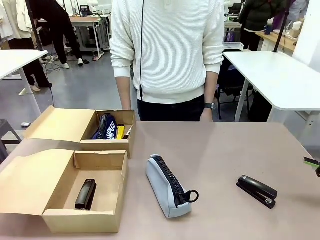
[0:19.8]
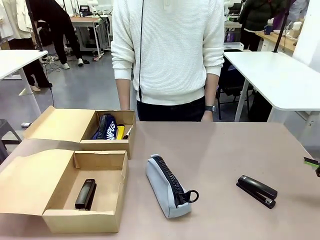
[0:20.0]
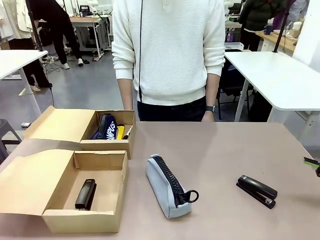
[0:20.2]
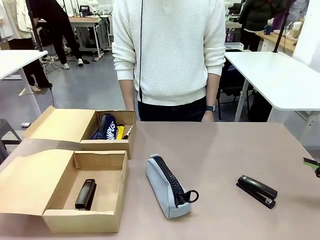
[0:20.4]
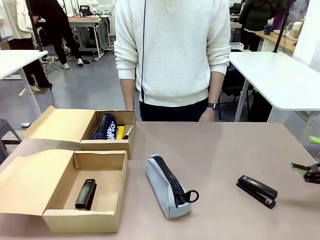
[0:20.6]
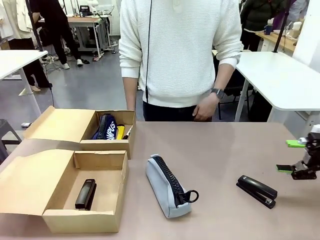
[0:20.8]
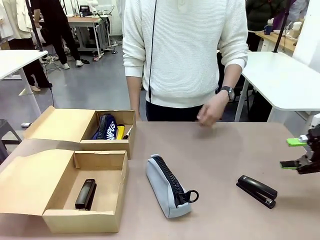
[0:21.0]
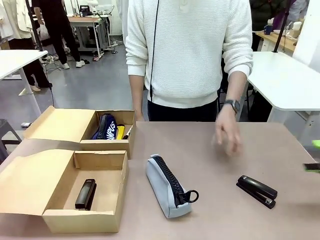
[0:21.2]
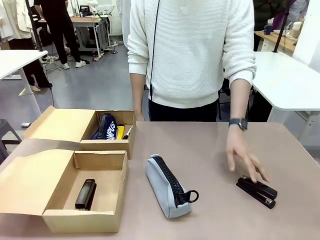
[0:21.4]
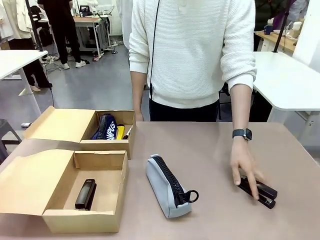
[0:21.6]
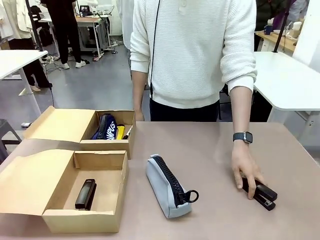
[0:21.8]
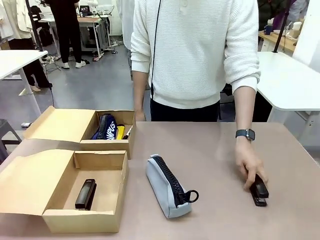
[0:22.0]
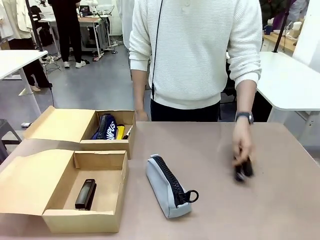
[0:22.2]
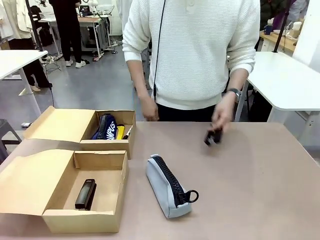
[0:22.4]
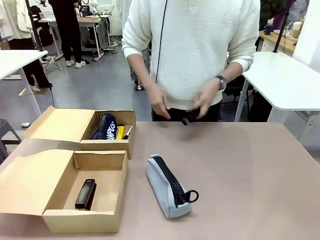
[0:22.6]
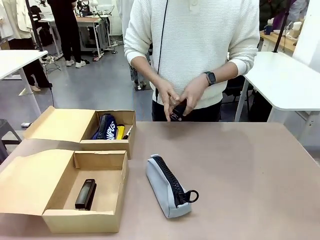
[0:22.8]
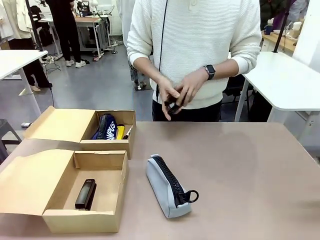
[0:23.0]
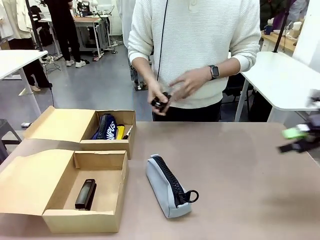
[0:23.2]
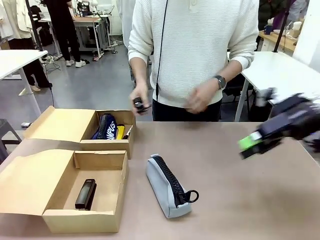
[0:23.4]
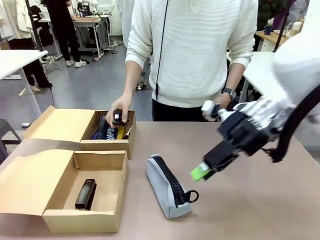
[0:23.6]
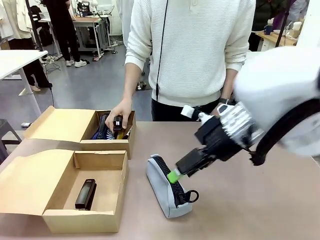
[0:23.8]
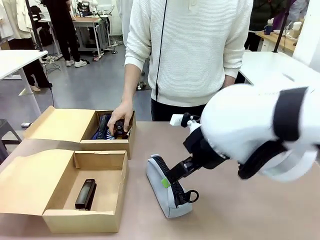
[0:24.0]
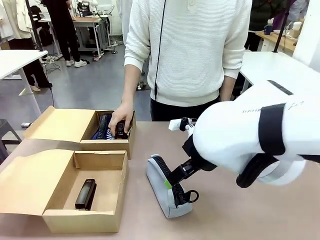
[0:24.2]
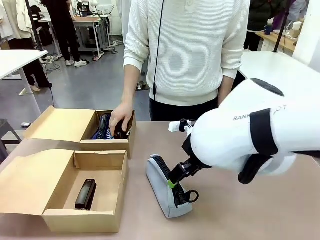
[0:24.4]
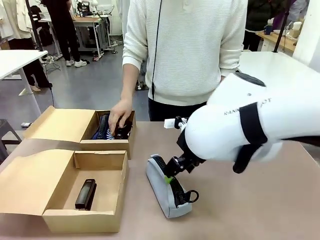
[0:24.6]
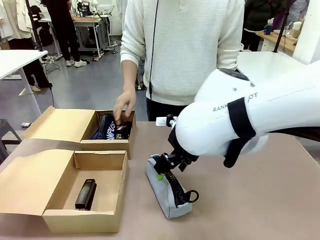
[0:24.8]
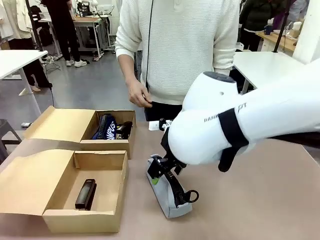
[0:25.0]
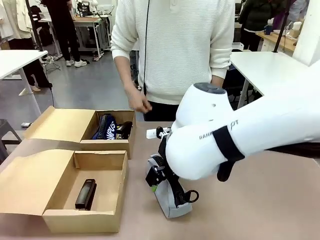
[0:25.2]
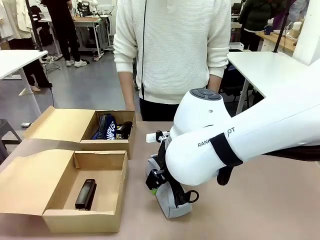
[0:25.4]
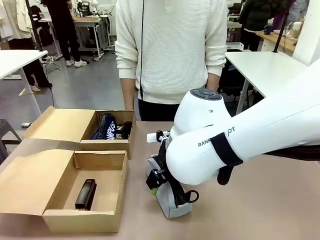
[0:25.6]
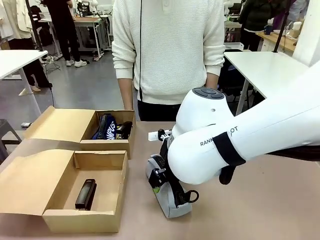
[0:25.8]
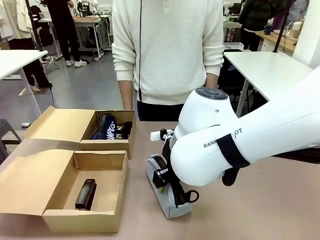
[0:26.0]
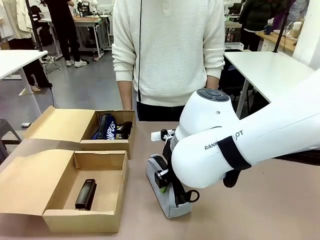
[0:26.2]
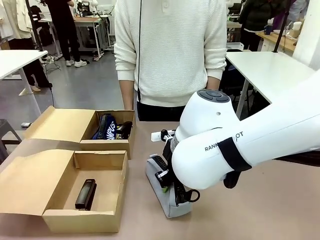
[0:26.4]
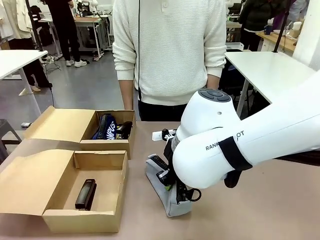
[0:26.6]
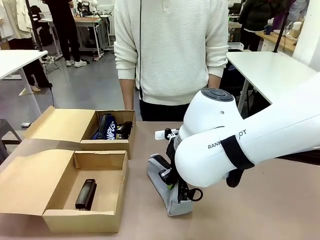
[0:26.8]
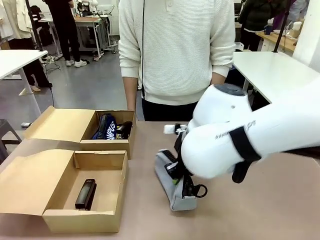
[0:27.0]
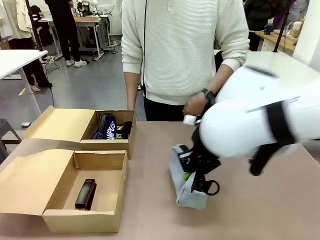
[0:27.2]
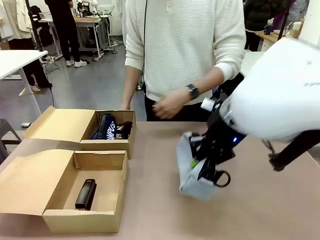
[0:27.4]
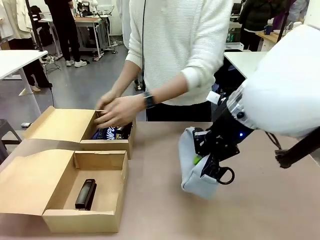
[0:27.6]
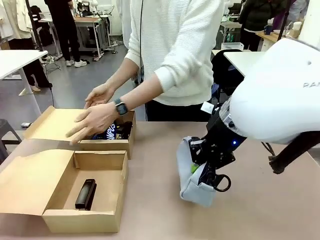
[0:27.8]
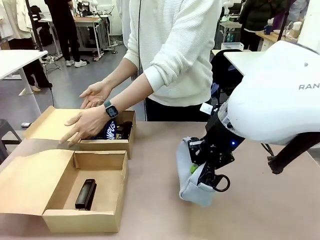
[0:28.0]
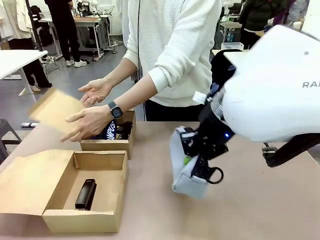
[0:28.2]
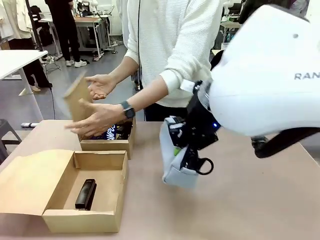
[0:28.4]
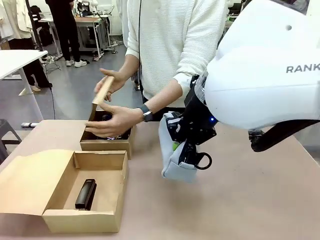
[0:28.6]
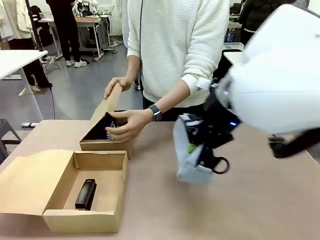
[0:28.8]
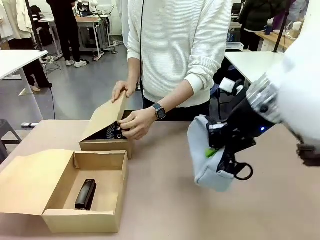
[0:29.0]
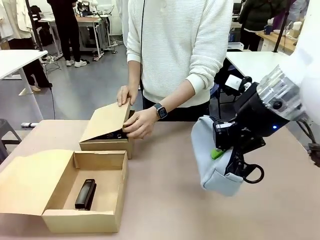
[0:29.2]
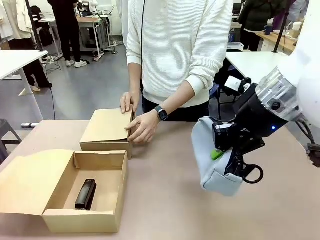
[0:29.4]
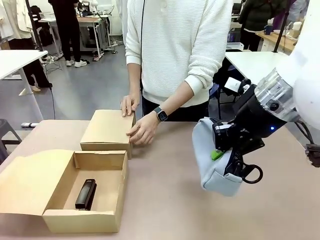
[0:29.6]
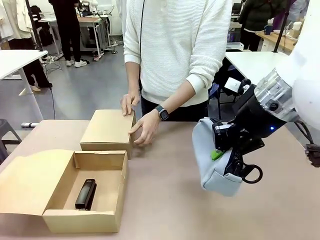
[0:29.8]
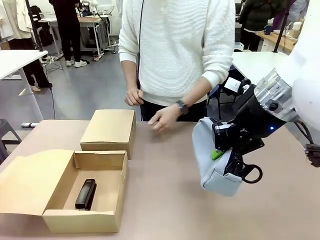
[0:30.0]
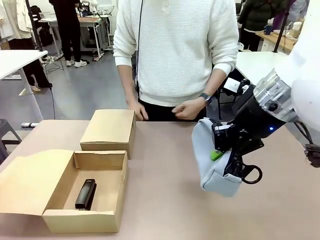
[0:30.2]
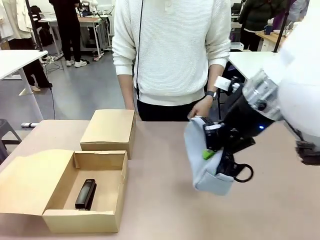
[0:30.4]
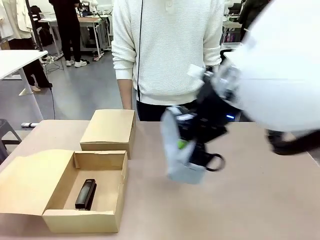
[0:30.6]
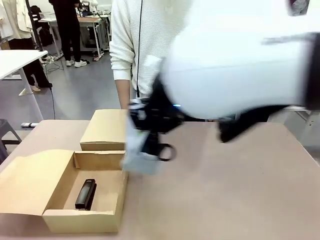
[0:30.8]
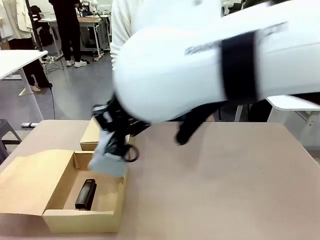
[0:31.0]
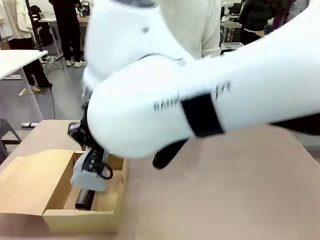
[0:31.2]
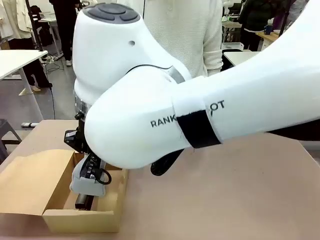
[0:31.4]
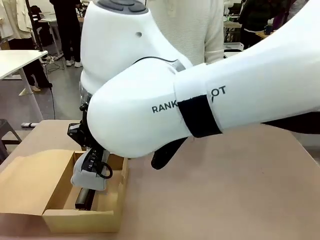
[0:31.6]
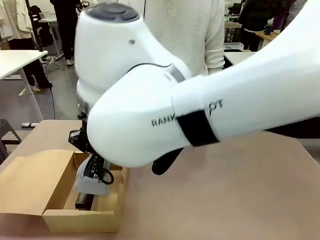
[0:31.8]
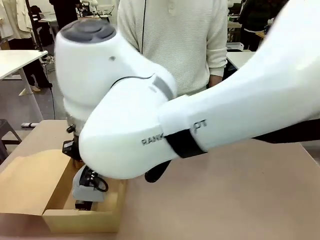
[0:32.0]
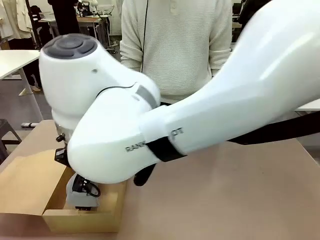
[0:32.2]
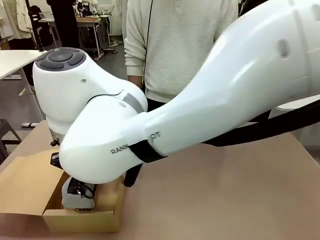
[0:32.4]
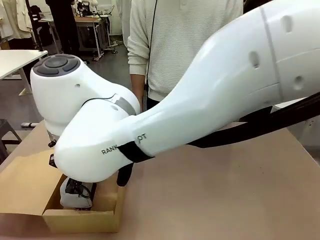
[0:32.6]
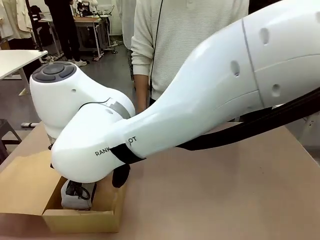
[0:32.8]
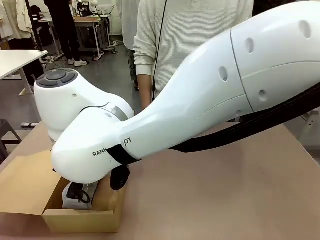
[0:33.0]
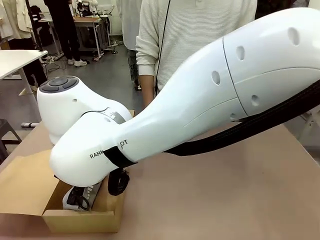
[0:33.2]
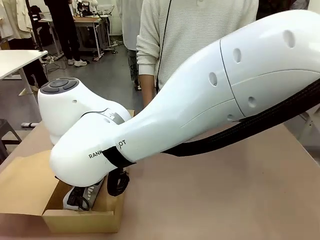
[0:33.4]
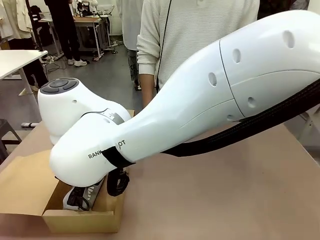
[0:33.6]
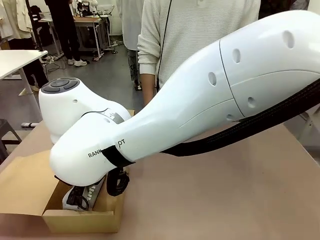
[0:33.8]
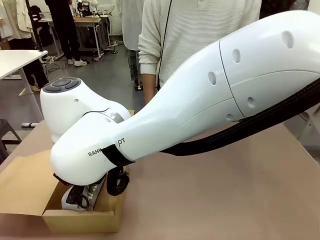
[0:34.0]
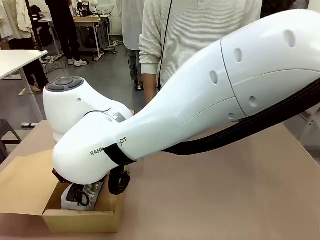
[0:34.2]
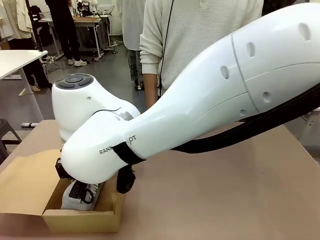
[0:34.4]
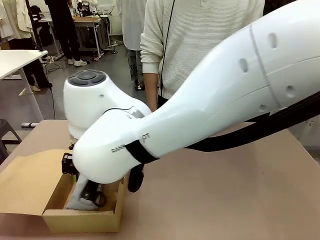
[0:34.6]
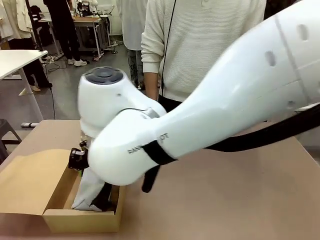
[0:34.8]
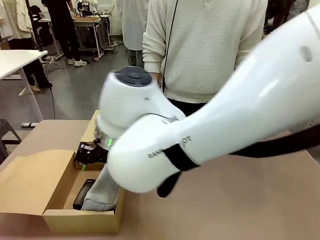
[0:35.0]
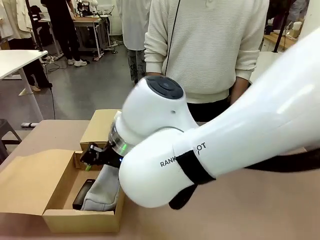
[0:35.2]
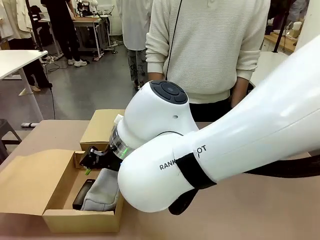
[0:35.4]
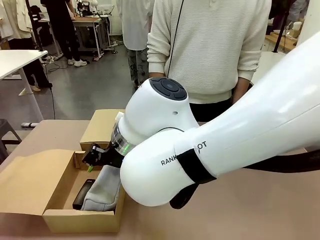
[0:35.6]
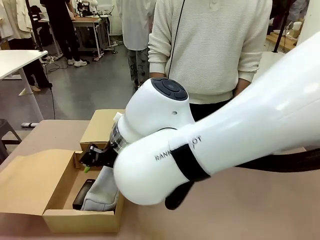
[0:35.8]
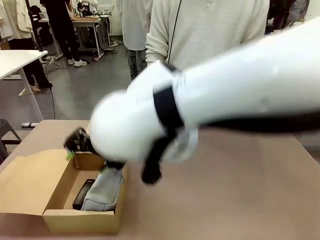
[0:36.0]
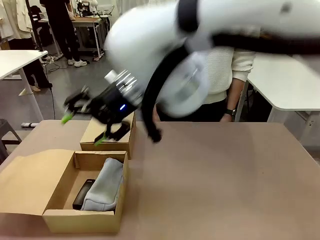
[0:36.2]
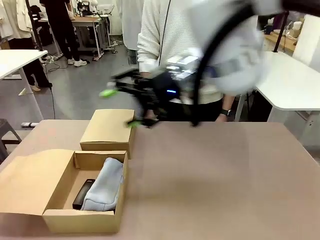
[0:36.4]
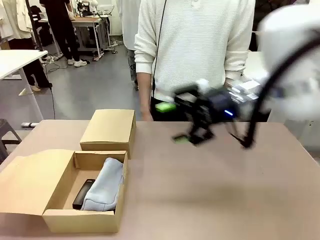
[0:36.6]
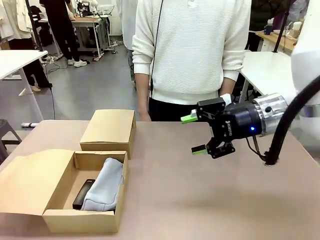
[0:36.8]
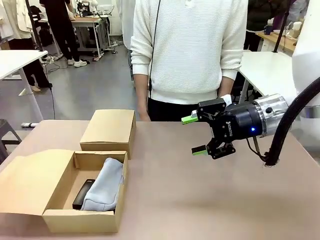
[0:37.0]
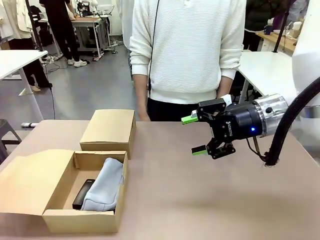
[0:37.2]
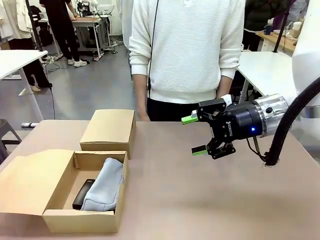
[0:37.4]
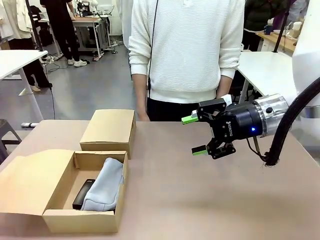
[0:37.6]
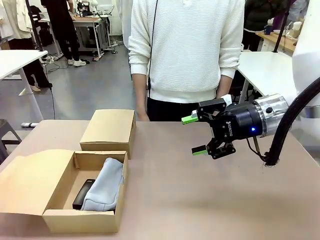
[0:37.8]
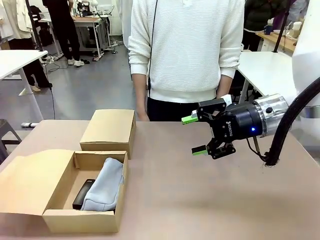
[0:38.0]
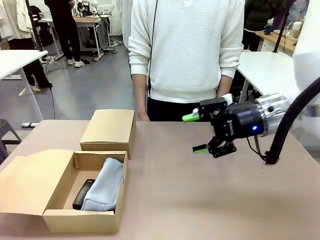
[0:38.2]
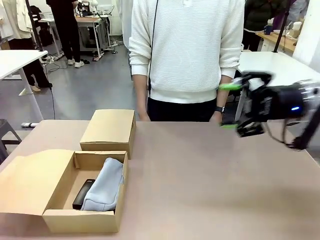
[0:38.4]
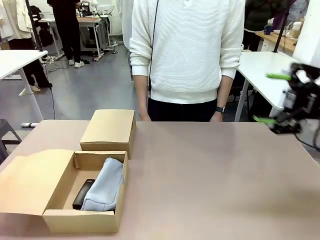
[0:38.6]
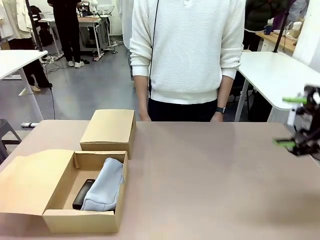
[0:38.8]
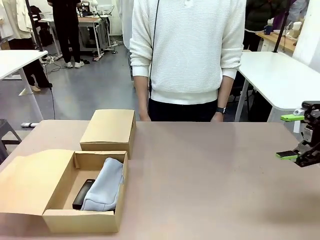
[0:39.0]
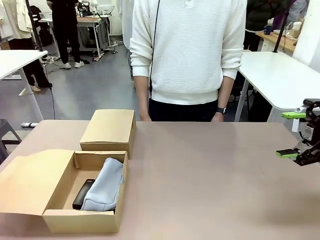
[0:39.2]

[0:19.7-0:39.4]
Task: Place items inside the box.
Robot: Pick up a Pencil pouch or Stapler and place it inside the Mailer Box closest to the robot.
